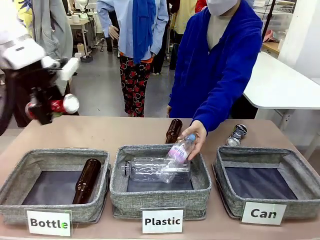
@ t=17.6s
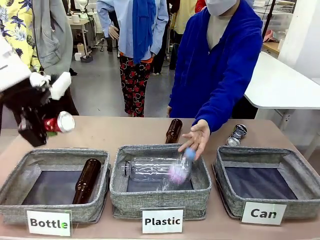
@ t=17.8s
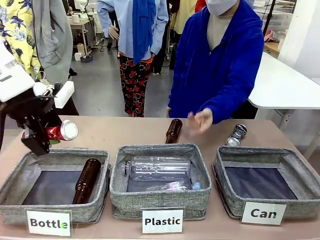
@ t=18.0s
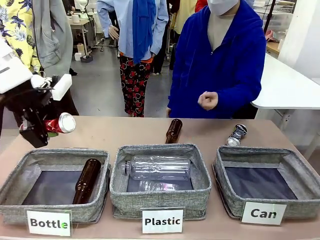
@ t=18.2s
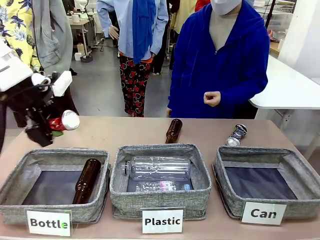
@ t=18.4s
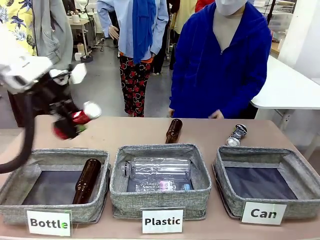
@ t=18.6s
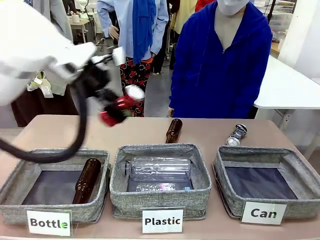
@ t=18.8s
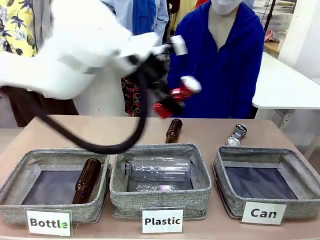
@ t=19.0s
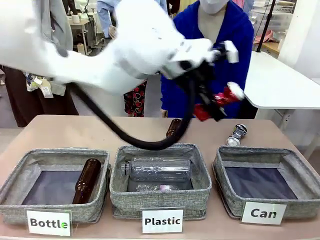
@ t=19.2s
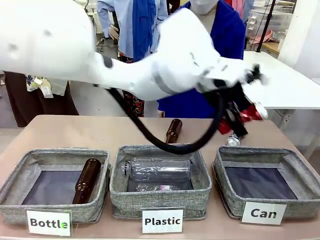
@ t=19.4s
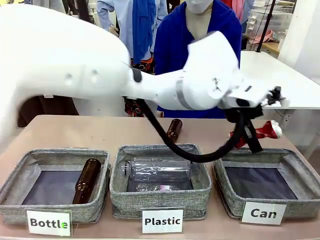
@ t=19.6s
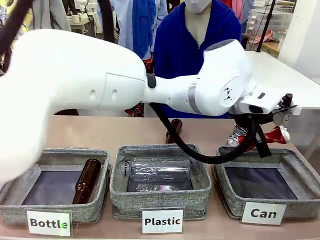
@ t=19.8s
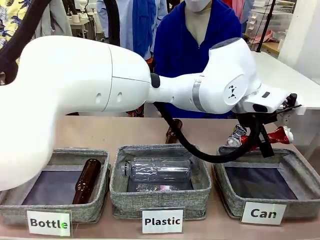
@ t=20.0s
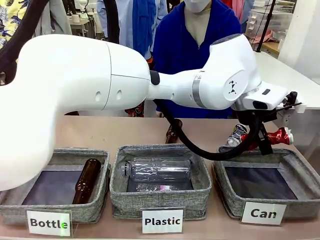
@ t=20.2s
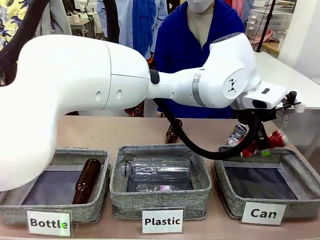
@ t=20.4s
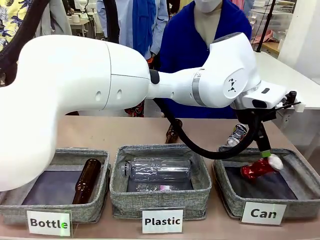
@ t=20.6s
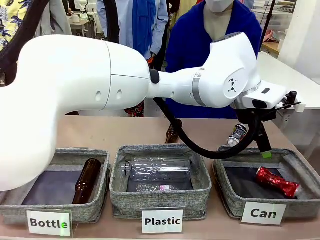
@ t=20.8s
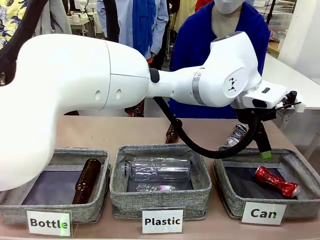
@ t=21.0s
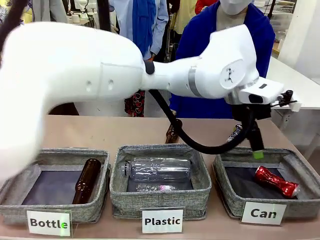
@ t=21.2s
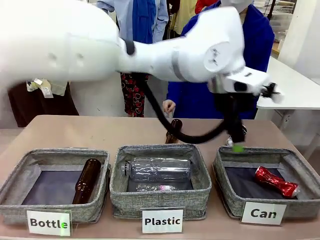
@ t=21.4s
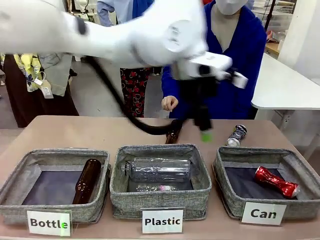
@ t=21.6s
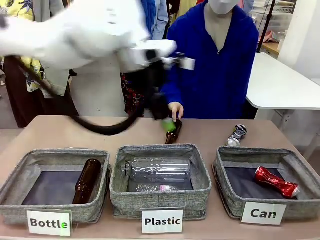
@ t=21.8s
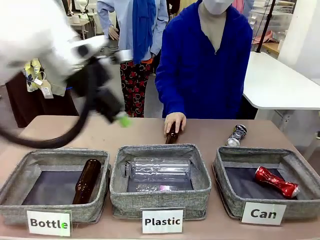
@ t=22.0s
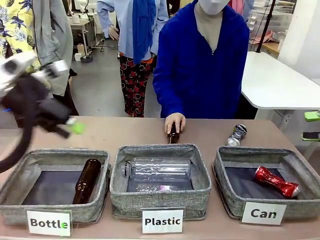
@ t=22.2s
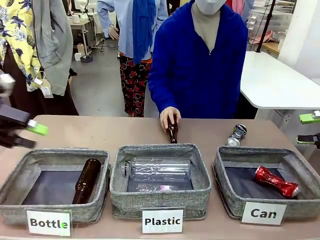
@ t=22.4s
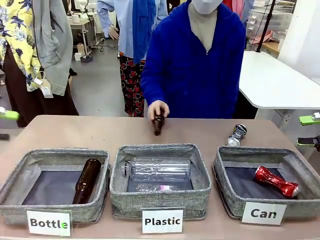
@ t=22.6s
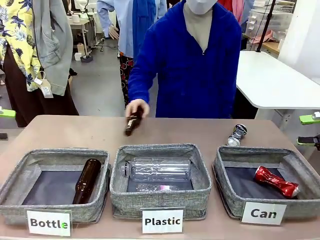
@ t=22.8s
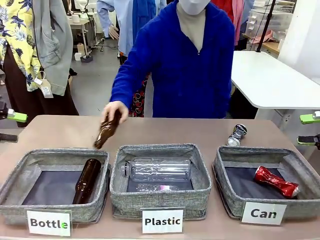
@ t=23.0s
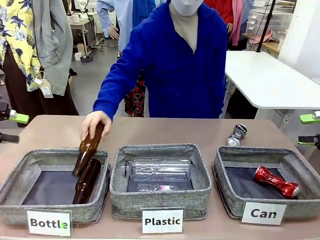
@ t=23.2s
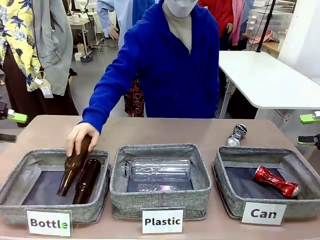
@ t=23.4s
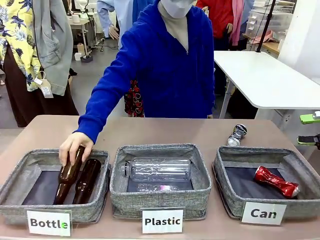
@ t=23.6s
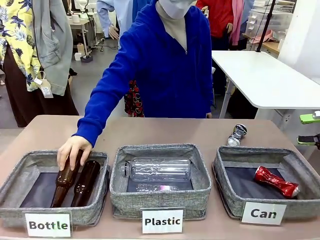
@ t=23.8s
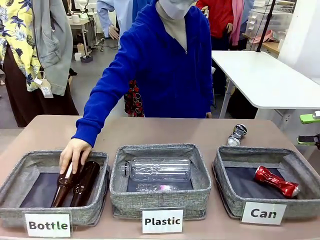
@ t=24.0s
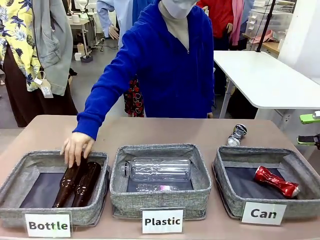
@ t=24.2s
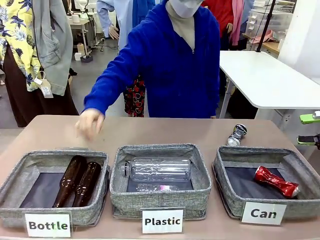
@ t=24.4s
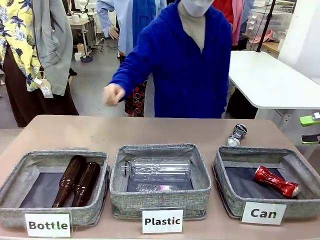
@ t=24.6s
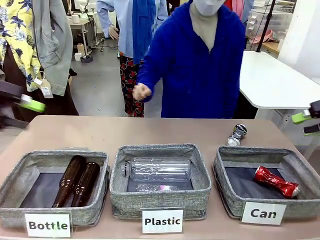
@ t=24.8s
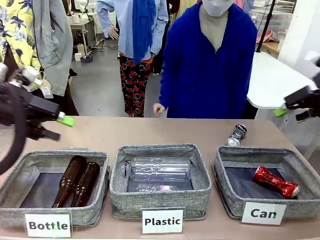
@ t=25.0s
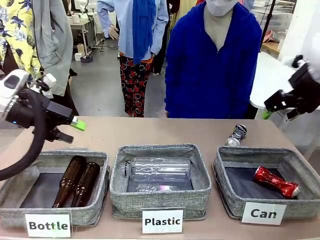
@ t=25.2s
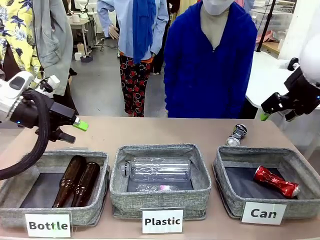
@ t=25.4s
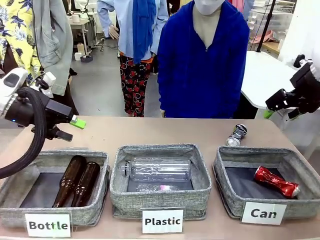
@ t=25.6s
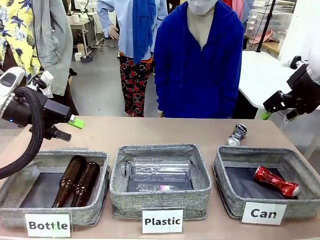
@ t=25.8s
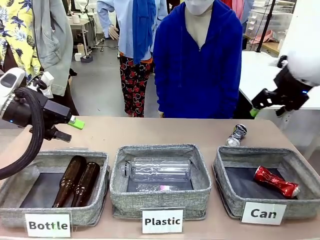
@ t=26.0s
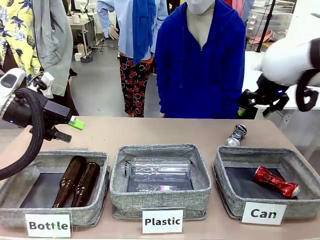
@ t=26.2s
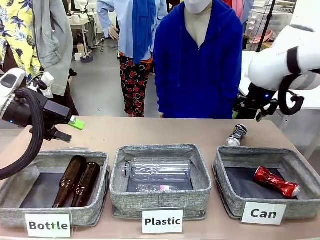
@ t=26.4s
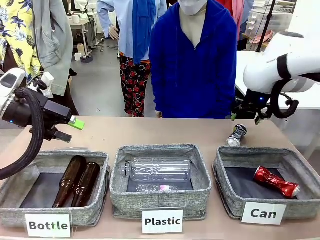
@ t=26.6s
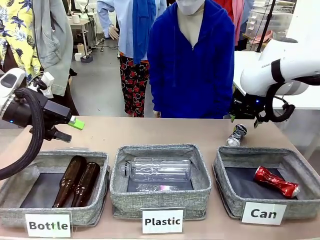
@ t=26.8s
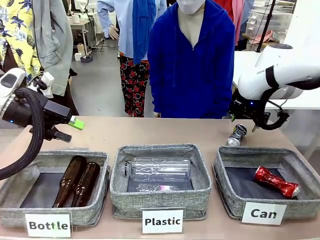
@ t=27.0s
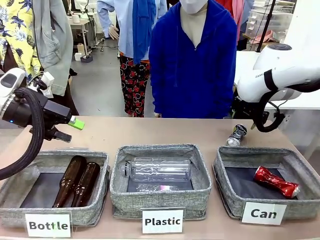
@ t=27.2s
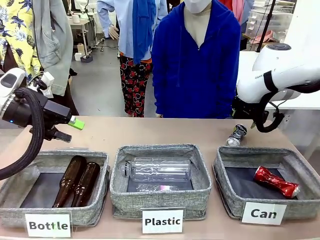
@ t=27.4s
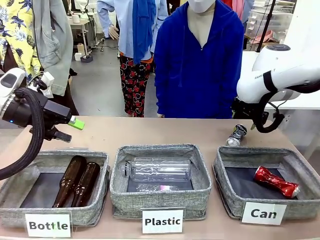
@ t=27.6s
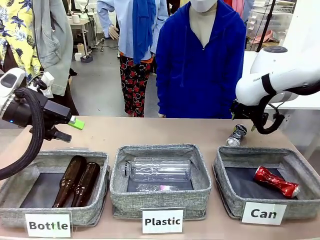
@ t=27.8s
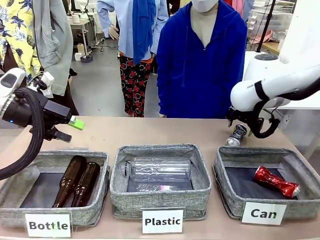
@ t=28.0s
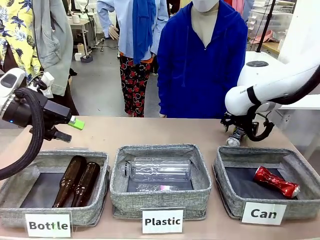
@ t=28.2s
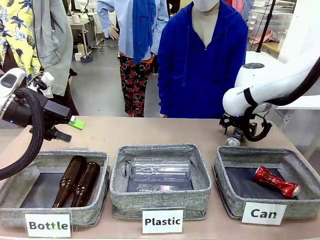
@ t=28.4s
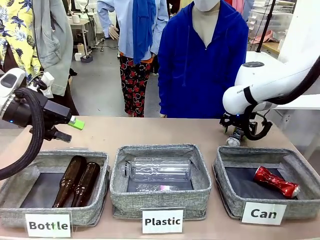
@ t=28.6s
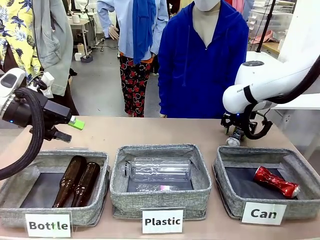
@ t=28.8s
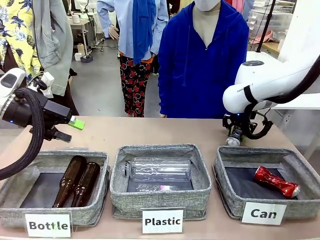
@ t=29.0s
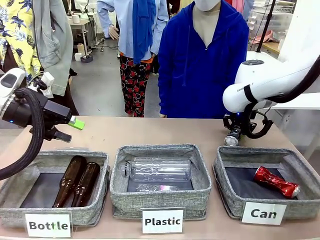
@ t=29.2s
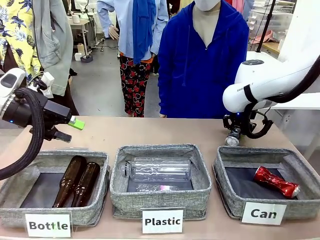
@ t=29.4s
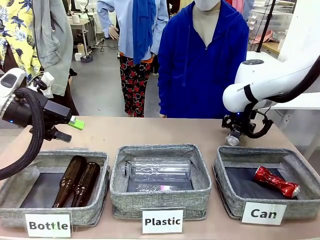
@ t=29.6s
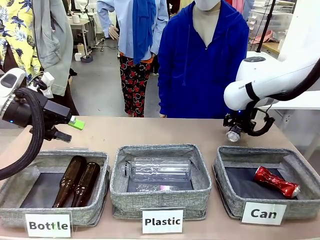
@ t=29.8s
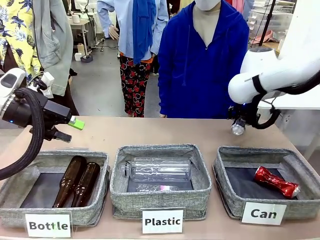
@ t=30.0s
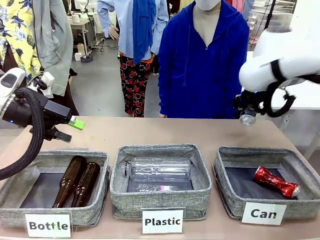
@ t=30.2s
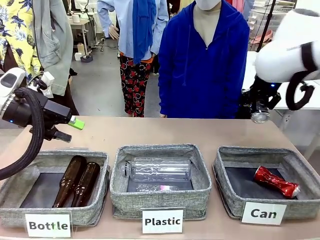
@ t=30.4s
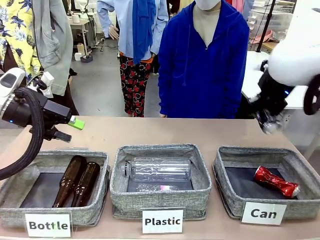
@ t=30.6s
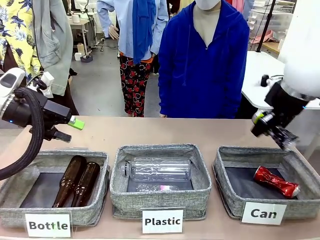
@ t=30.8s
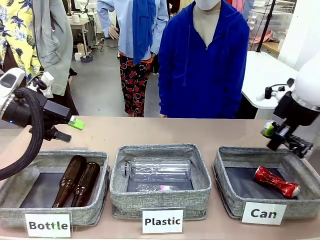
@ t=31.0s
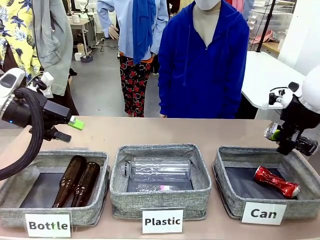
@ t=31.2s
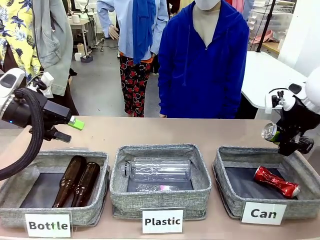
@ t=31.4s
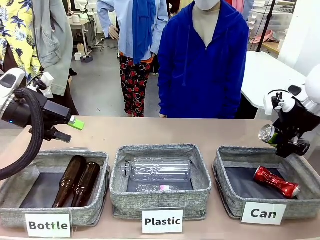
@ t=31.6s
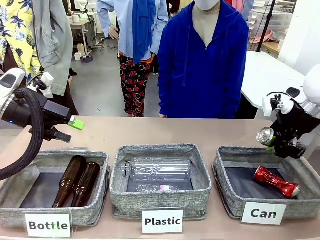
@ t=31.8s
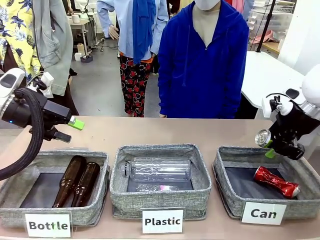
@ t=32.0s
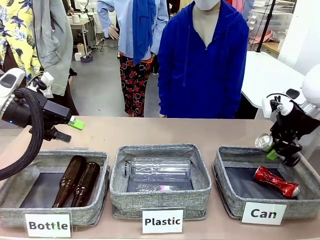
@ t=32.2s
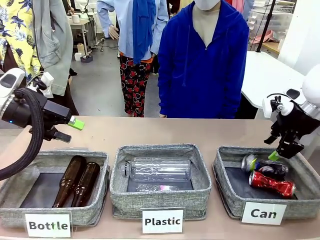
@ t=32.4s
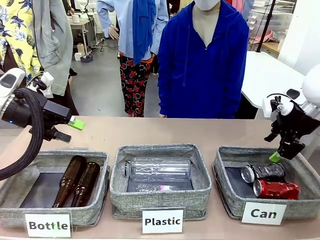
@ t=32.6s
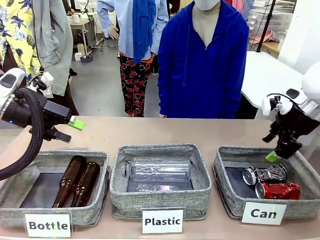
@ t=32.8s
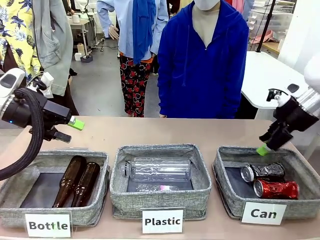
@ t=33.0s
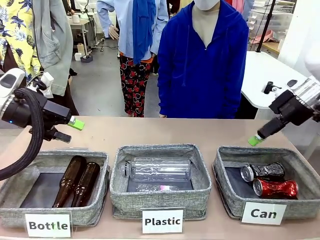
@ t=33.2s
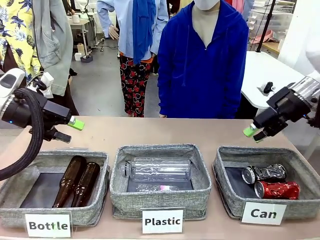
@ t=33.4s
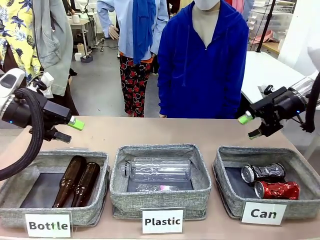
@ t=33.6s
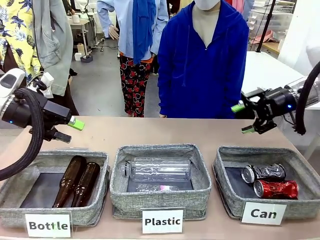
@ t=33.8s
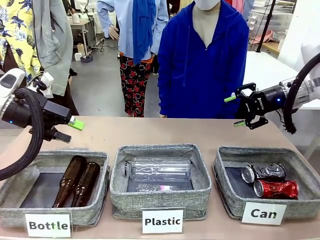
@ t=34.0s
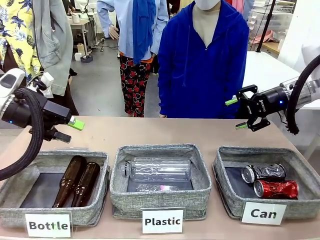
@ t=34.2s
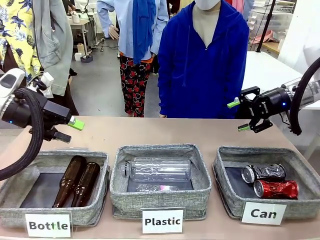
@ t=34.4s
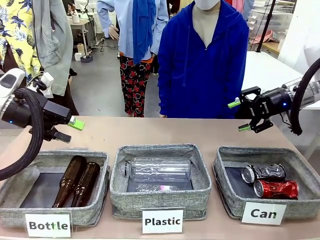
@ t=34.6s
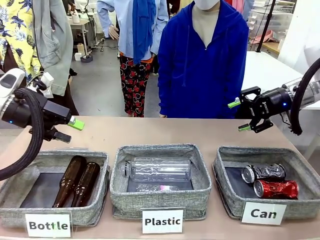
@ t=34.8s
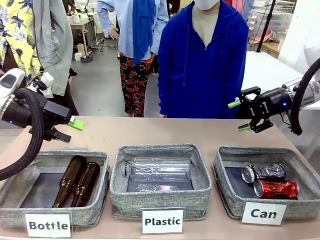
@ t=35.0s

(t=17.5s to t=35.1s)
Task: Sort the can waste into the basket.
Robot: Pick up the can waste from the table and place it in the right Fabric basket.
Person: The human picks up one piece of trash that is not a can and places the trash into the appropriate organizing basket.
